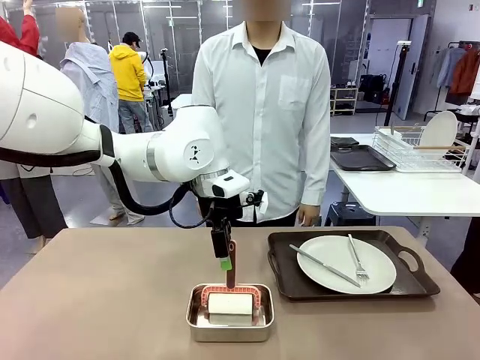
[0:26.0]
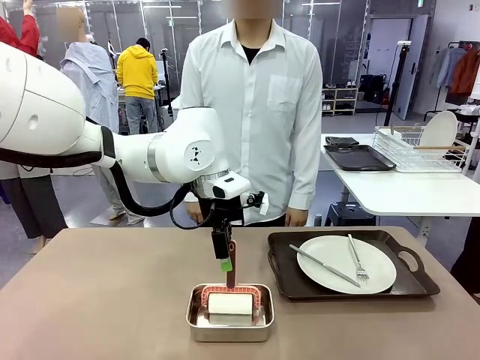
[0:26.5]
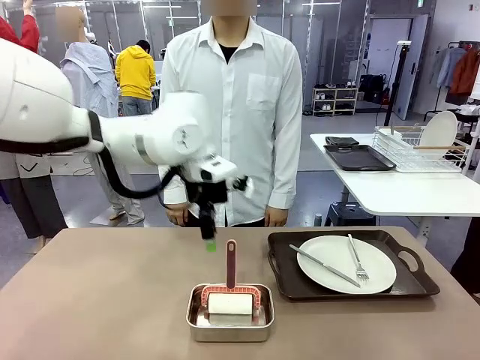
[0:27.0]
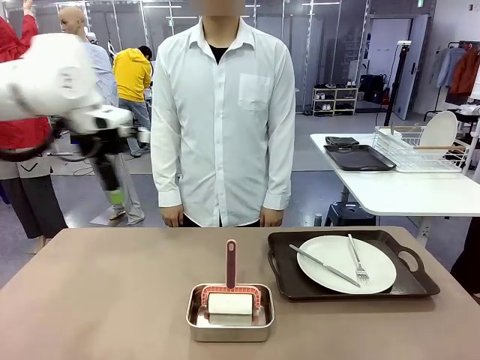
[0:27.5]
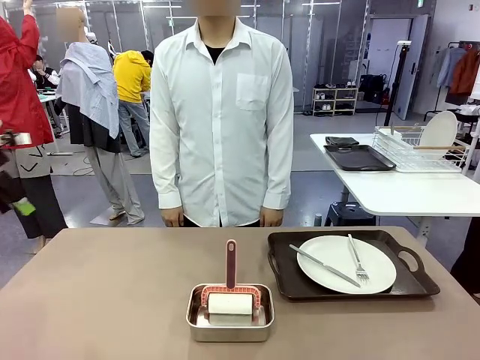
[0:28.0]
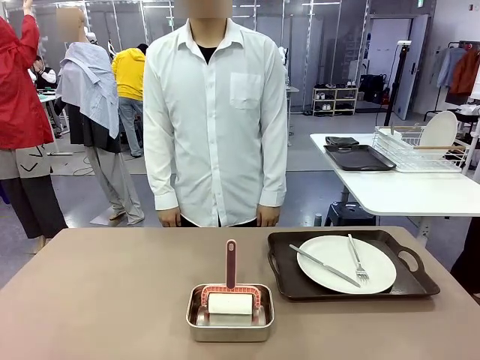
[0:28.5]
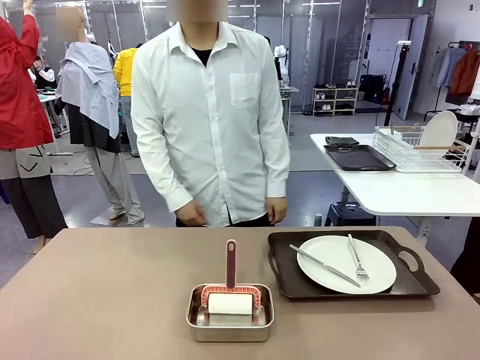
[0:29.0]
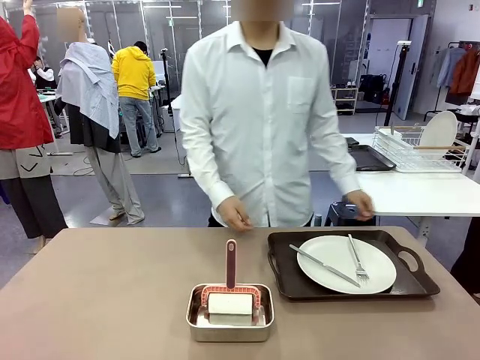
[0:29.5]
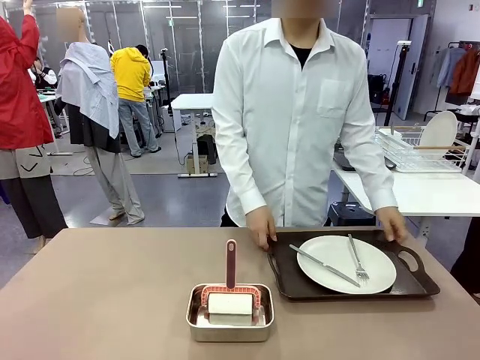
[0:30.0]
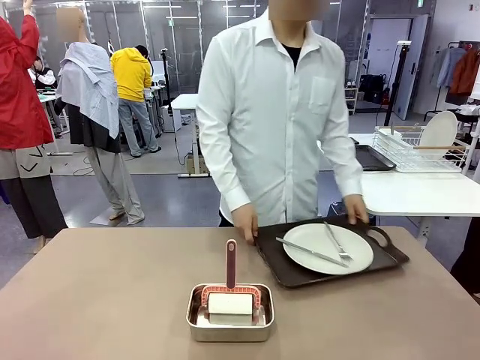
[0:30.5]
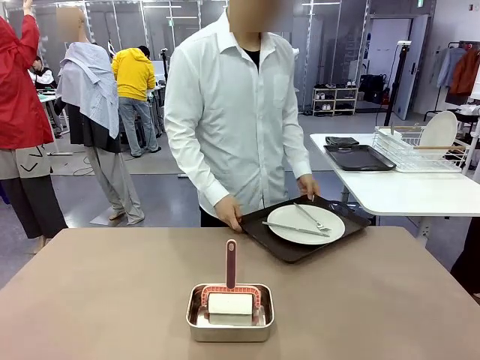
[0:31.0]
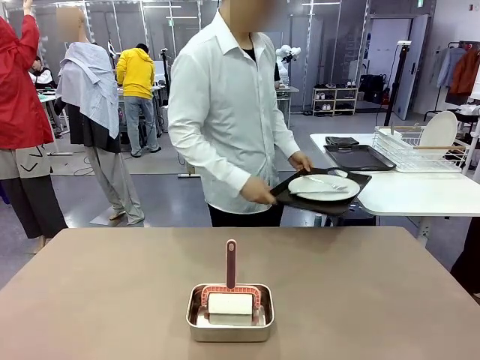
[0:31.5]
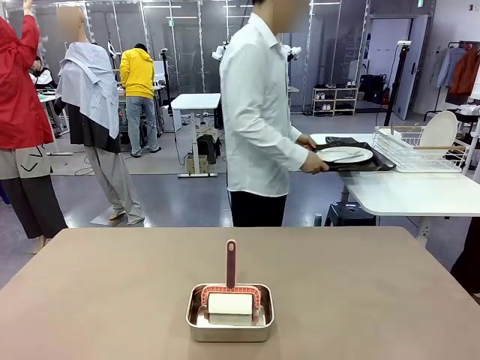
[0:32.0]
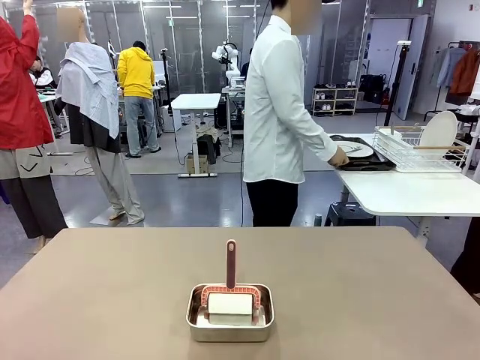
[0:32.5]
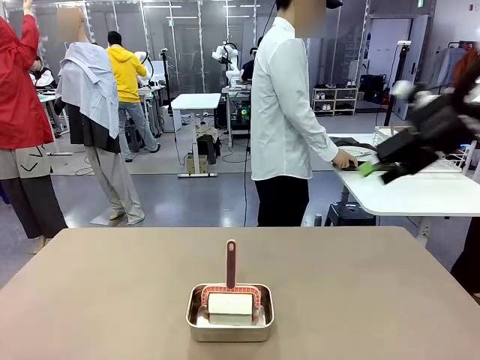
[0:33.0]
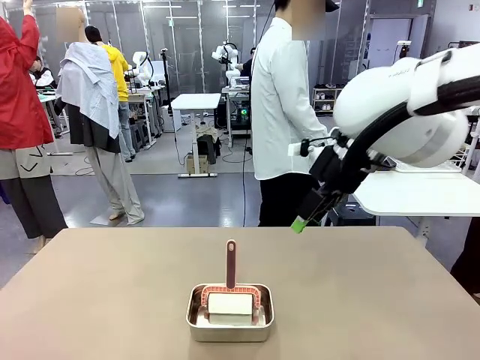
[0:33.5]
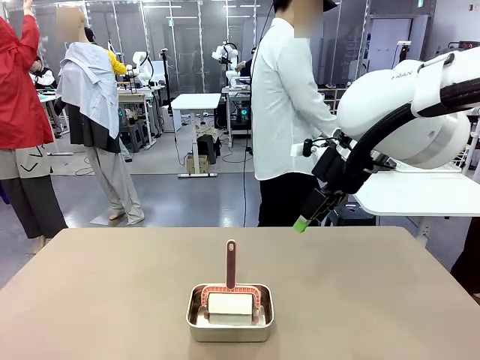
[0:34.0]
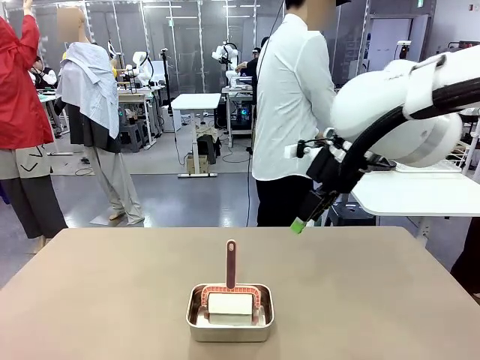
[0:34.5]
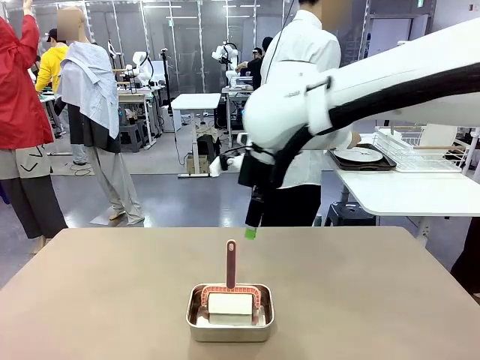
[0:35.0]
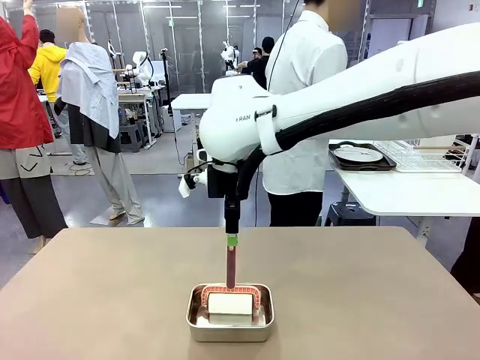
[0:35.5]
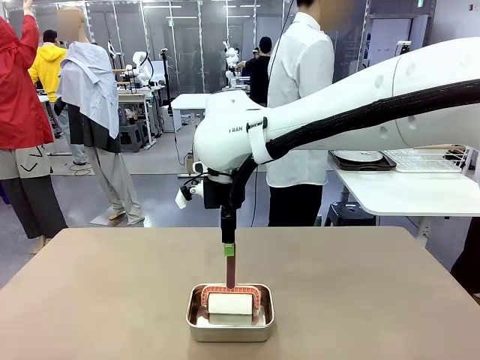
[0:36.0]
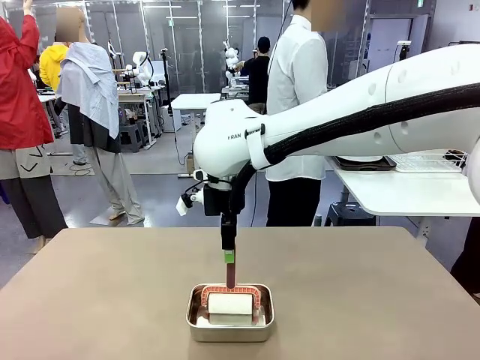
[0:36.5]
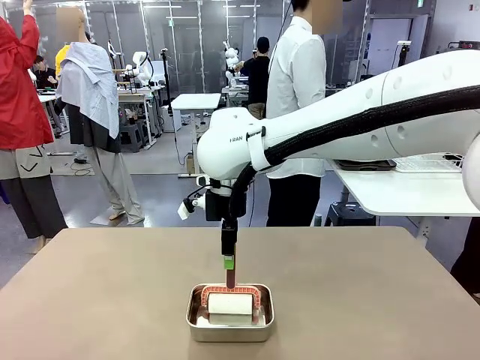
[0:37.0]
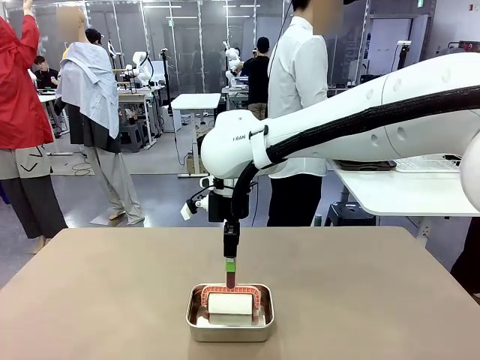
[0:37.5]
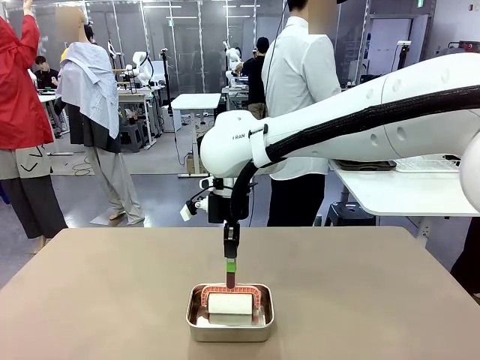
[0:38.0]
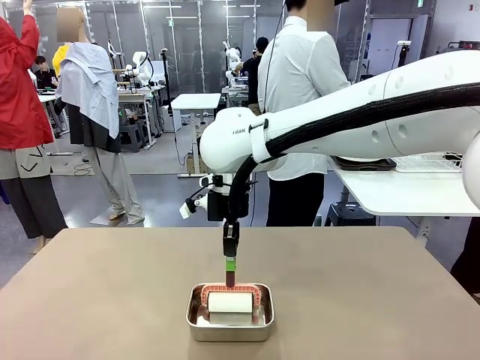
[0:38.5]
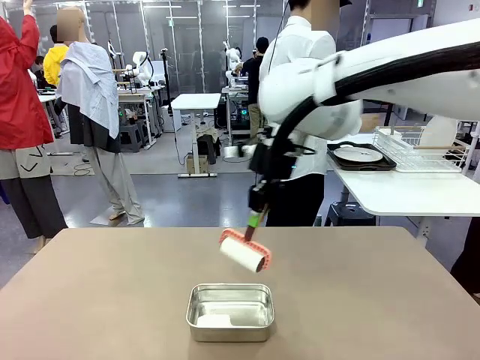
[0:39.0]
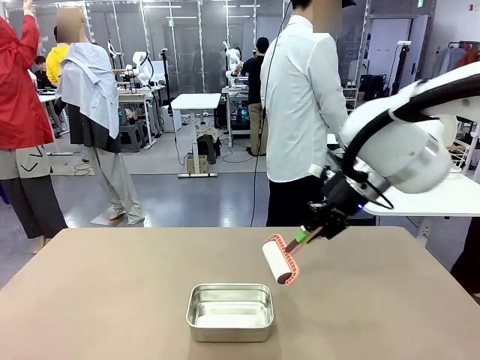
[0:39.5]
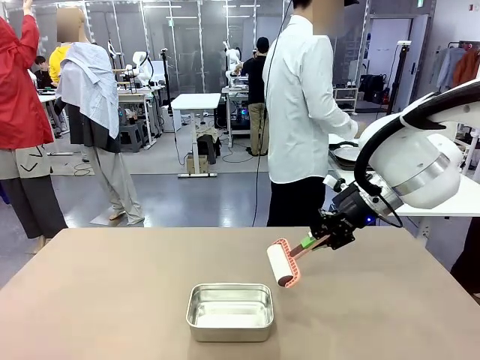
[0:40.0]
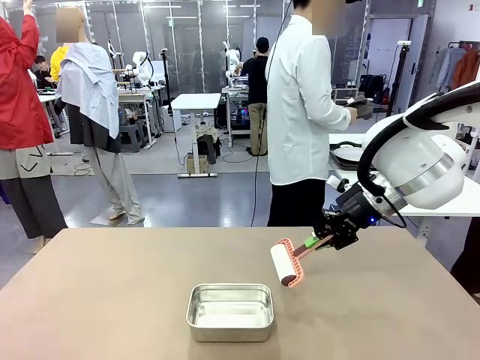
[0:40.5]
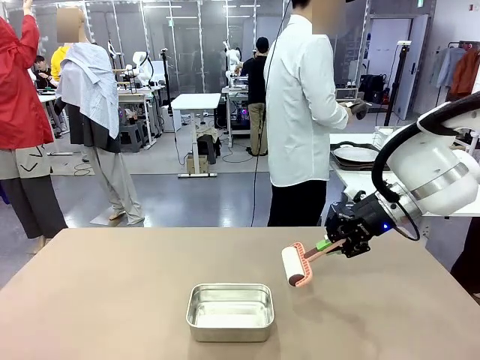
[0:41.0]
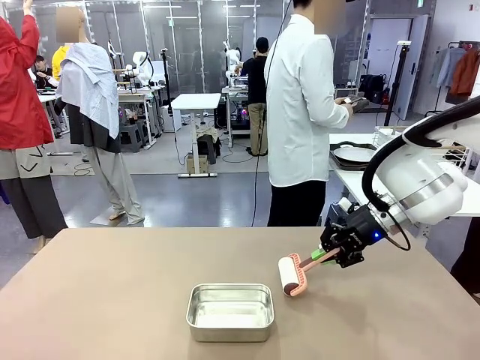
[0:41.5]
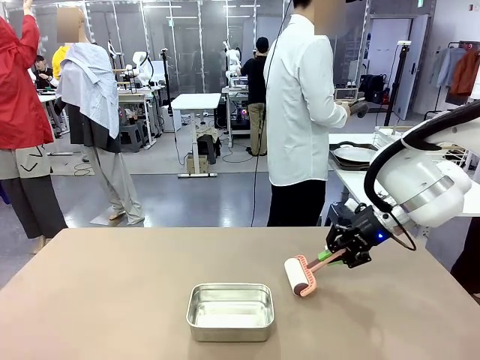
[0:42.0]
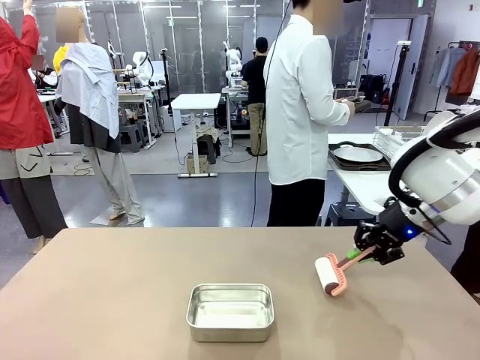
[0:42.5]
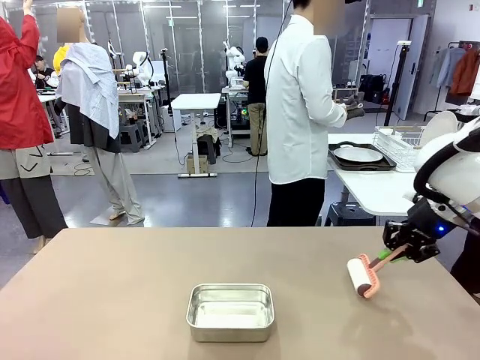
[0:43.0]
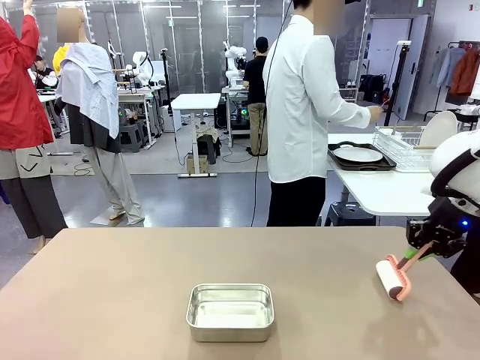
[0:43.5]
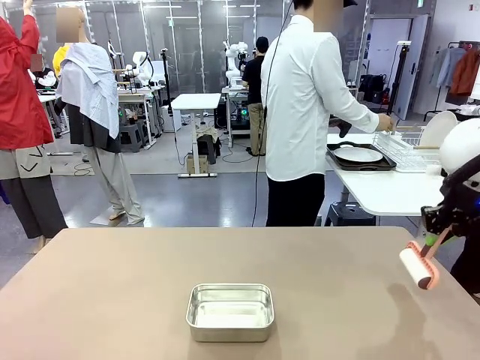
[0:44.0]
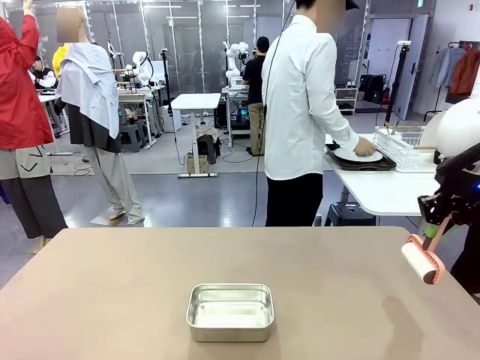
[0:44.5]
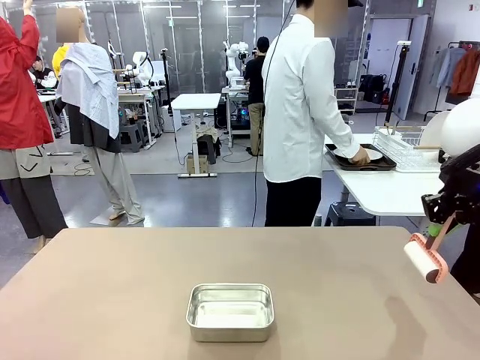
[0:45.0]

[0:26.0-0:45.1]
Robot: When the right (or left) Handle tray is removed, use the right hand (or left hand) to clean the right (or left) side of the table with the Lint Roller.
Person: Pick up the left (or right) Handle tray and place it on the Handle tray.

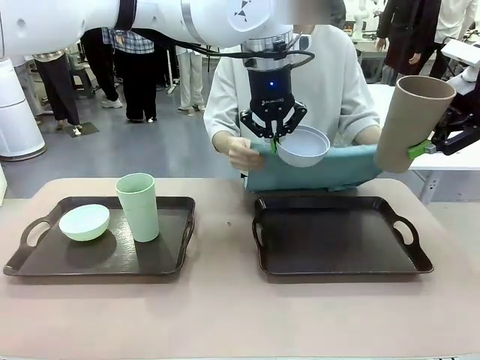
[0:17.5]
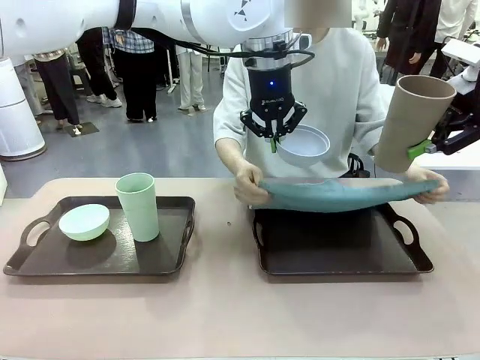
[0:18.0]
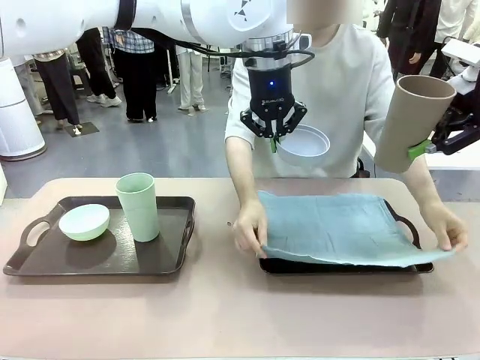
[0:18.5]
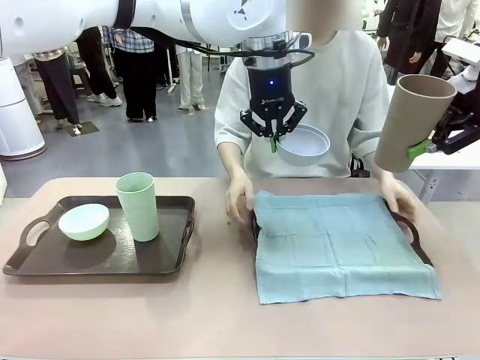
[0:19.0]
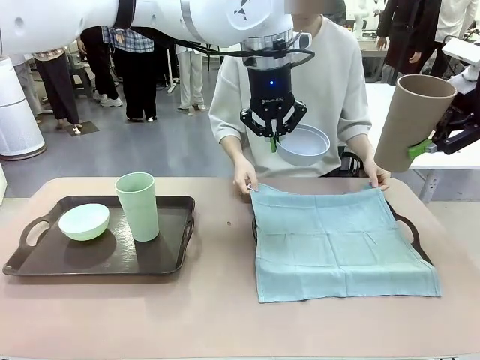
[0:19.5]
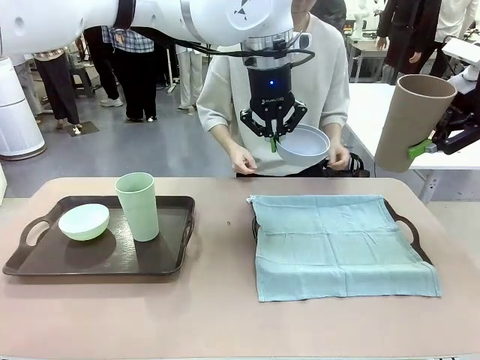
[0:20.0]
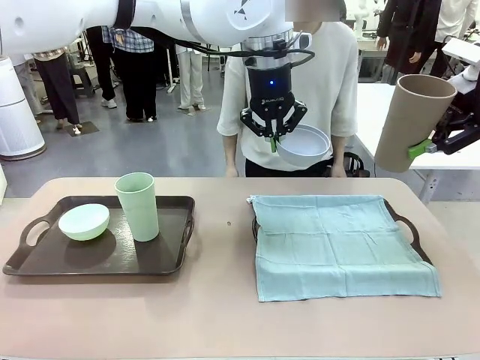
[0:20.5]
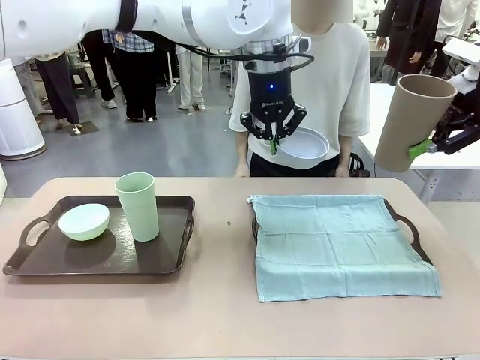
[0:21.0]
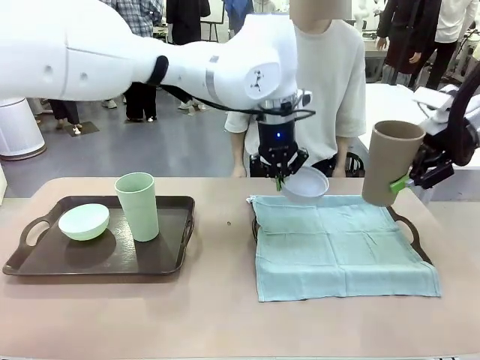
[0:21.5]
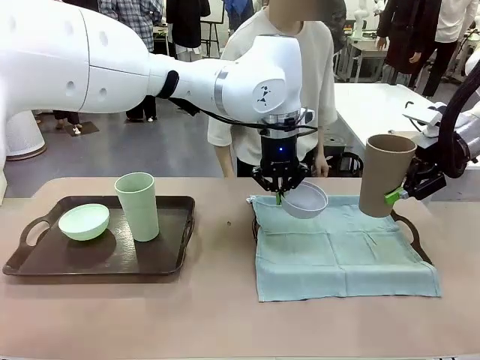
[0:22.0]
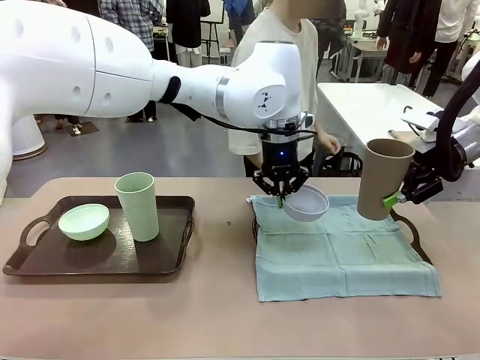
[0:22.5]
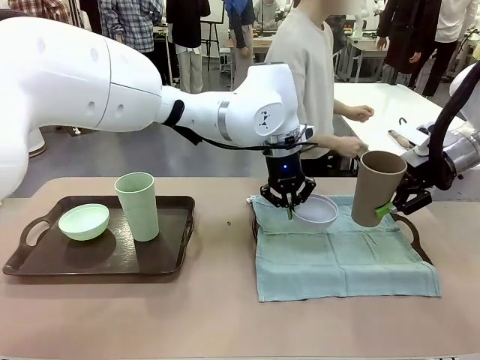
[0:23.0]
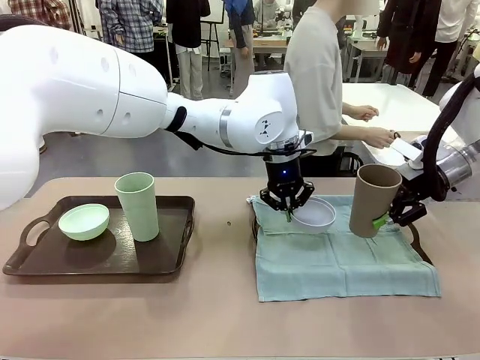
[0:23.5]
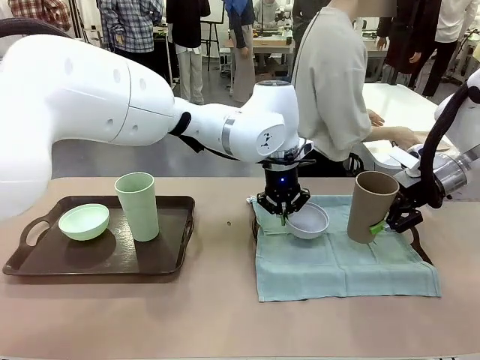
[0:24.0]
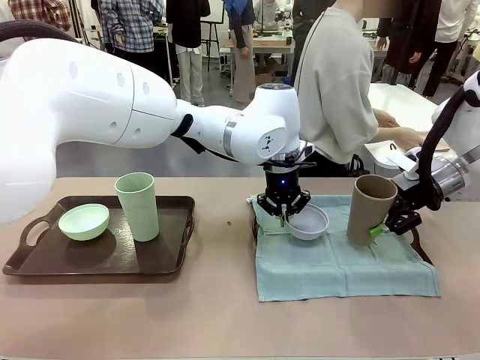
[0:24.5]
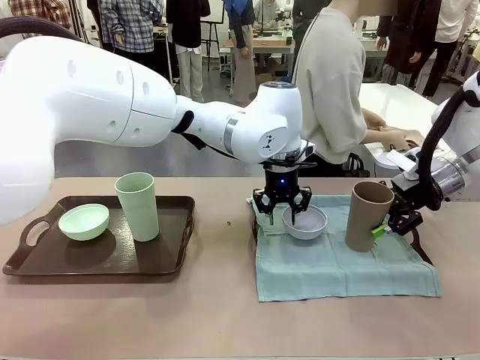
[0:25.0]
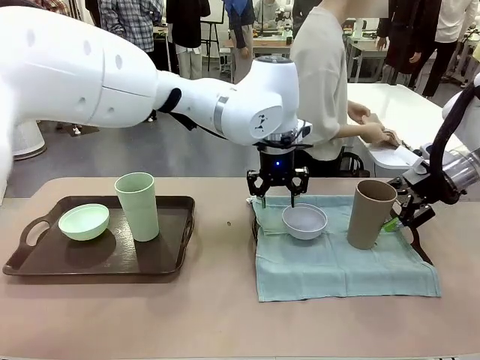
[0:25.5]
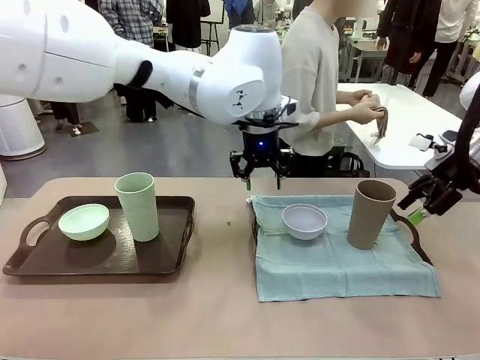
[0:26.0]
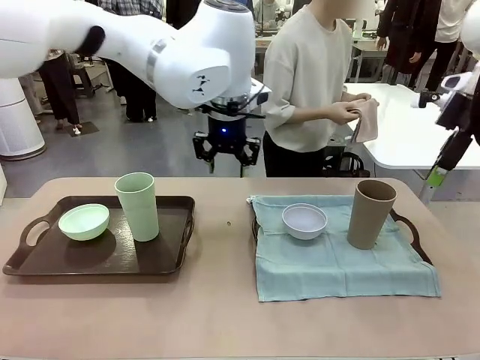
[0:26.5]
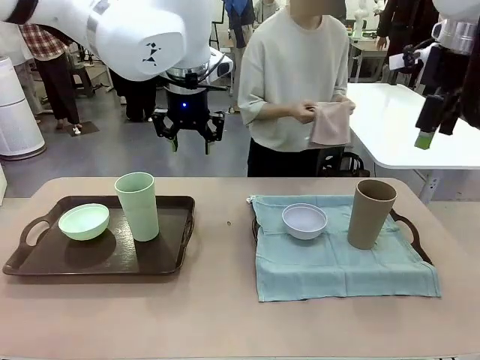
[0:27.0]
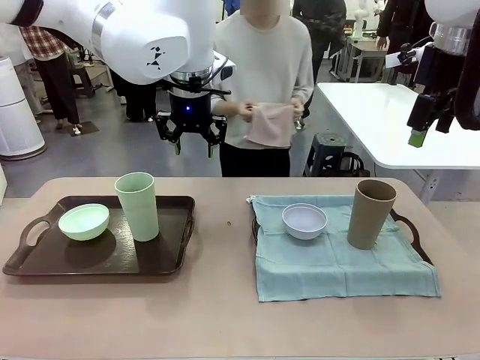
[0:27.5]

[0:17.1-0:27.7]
Robot: Place the Picnic Bowl and Reusable plastic cup back onto the Handle tray in front of the human's position.
Person: The human returns to the human table to pick up another napkin and walks to the robot table to stand in front of the tray without a napkin.
